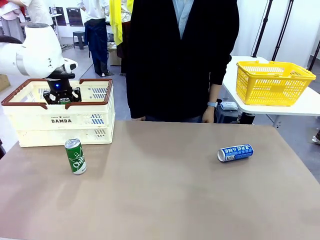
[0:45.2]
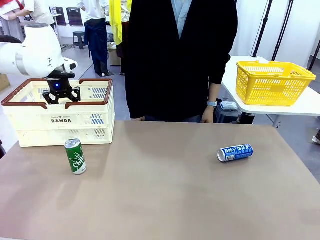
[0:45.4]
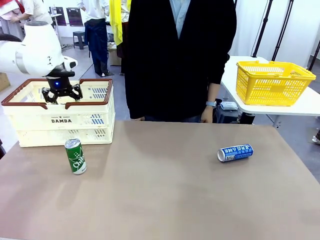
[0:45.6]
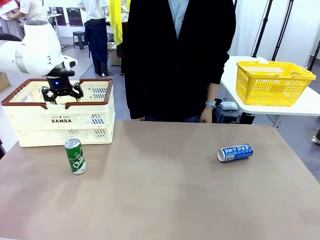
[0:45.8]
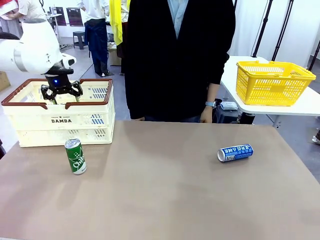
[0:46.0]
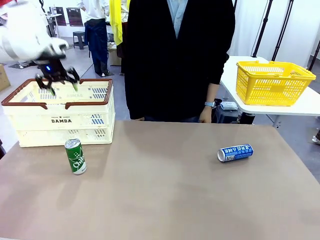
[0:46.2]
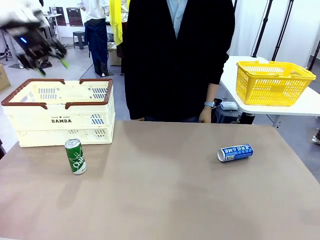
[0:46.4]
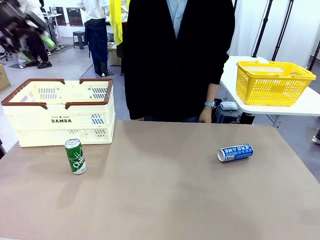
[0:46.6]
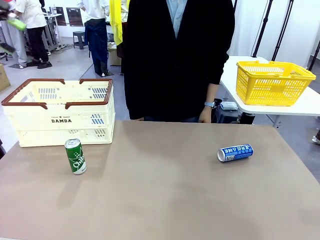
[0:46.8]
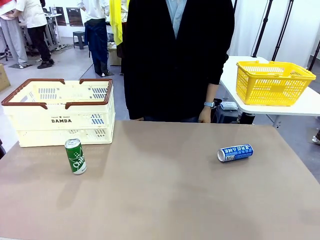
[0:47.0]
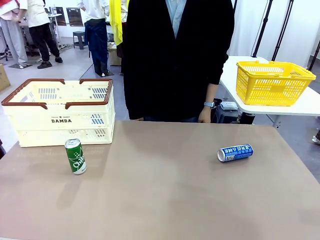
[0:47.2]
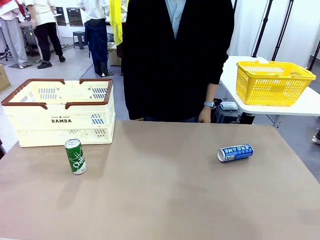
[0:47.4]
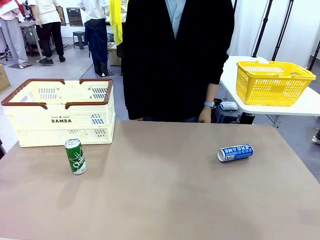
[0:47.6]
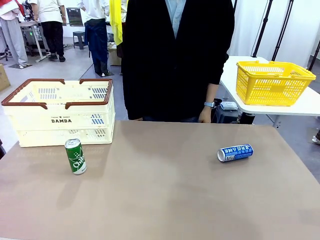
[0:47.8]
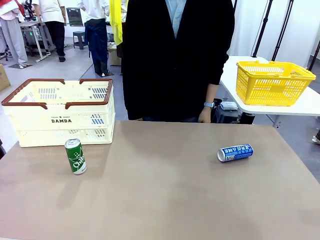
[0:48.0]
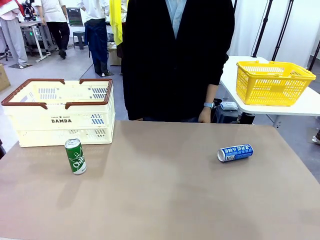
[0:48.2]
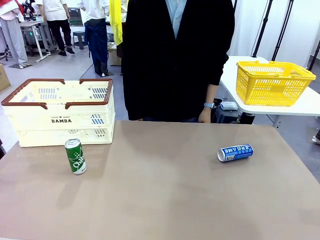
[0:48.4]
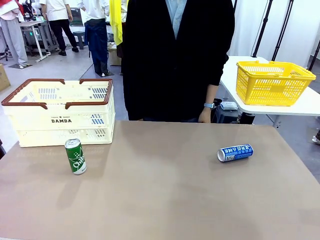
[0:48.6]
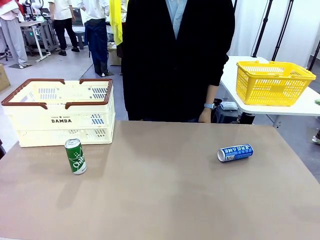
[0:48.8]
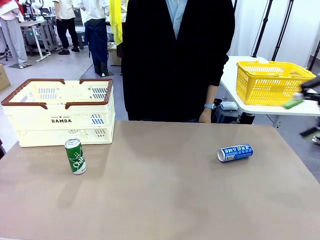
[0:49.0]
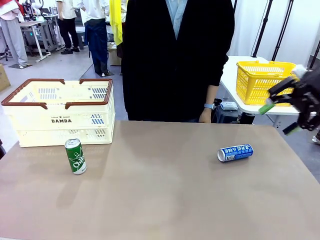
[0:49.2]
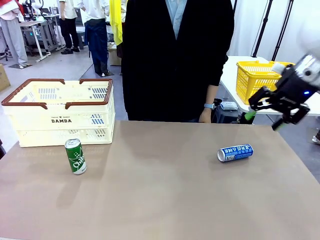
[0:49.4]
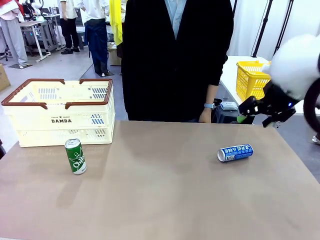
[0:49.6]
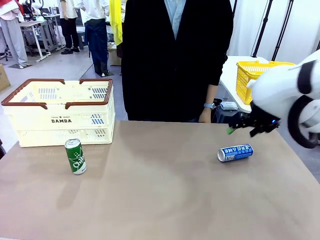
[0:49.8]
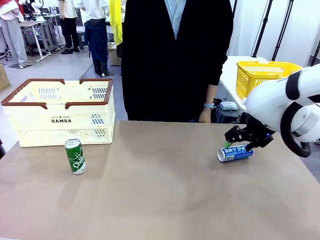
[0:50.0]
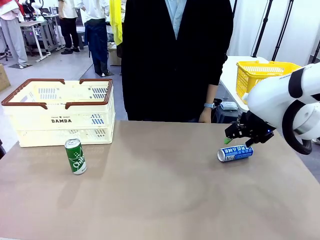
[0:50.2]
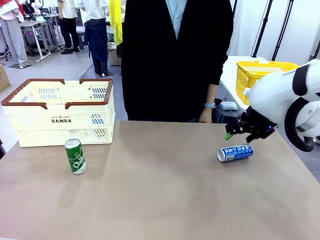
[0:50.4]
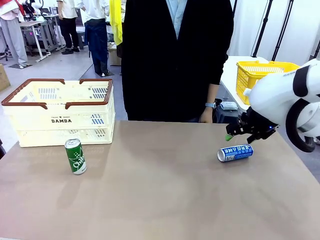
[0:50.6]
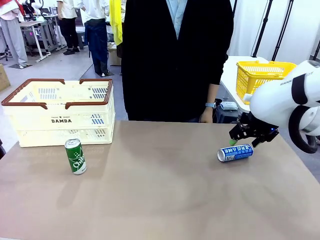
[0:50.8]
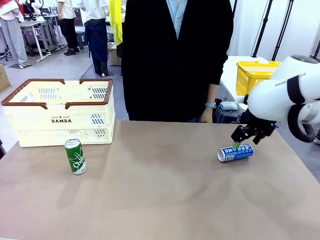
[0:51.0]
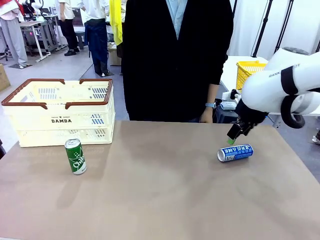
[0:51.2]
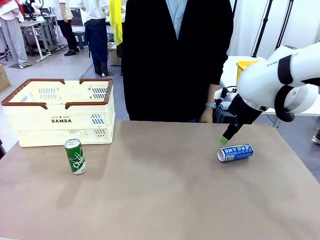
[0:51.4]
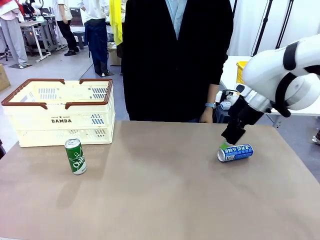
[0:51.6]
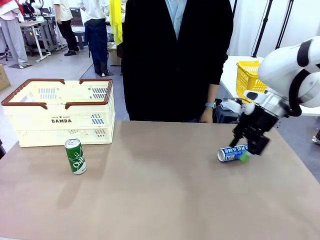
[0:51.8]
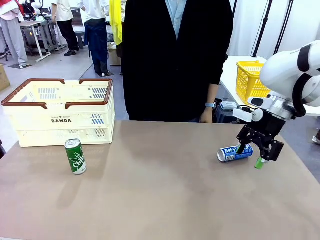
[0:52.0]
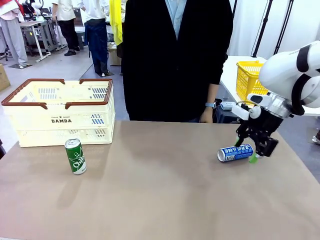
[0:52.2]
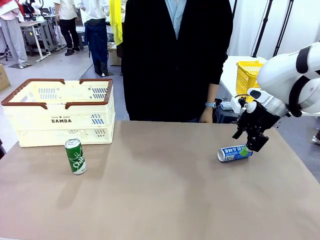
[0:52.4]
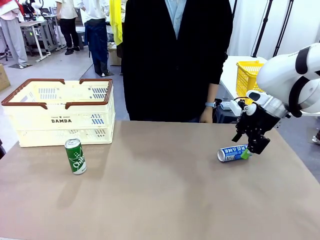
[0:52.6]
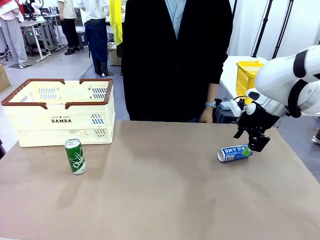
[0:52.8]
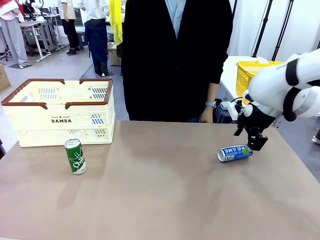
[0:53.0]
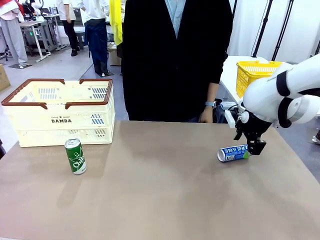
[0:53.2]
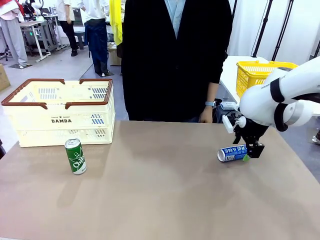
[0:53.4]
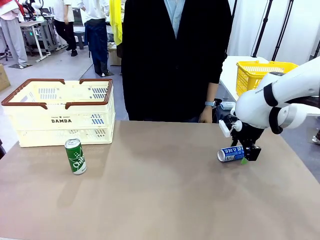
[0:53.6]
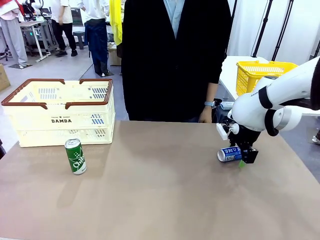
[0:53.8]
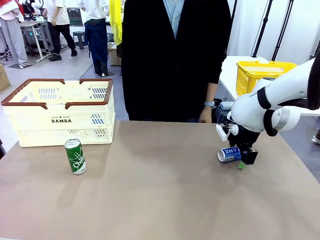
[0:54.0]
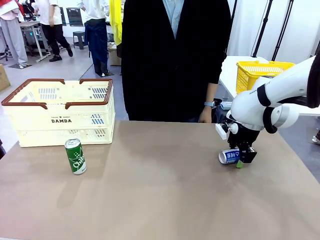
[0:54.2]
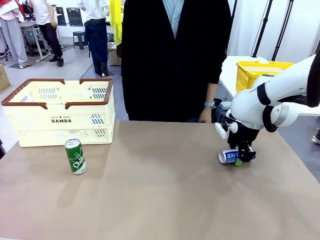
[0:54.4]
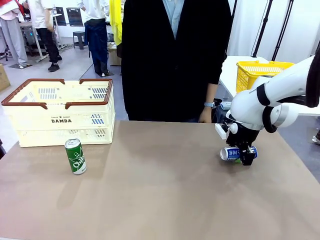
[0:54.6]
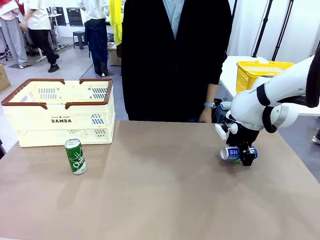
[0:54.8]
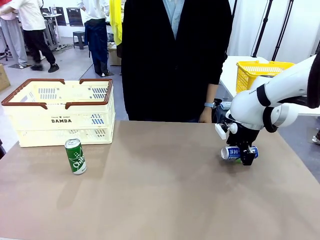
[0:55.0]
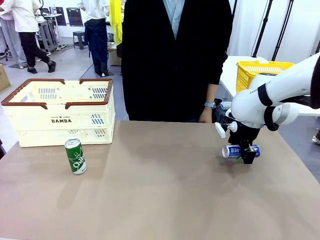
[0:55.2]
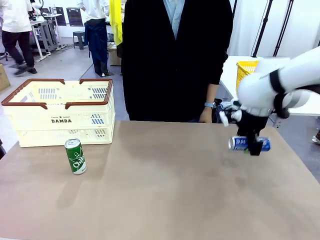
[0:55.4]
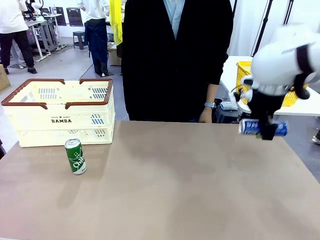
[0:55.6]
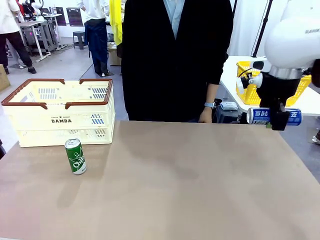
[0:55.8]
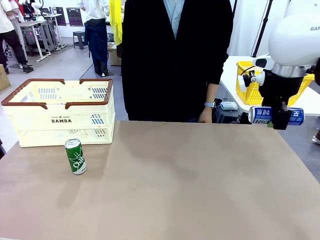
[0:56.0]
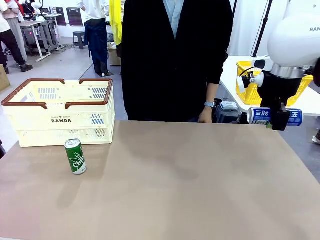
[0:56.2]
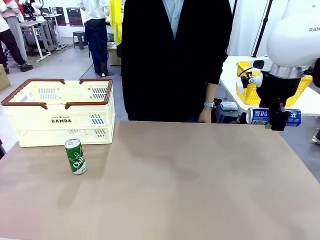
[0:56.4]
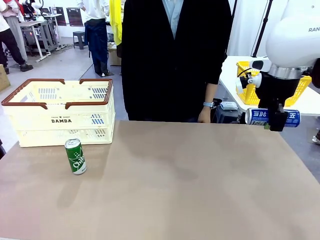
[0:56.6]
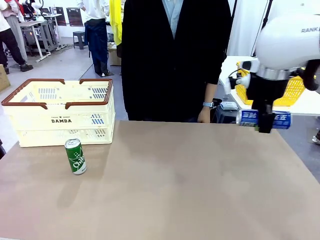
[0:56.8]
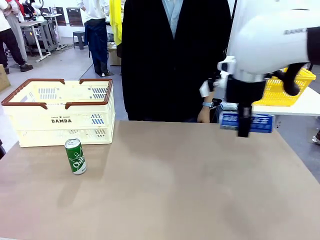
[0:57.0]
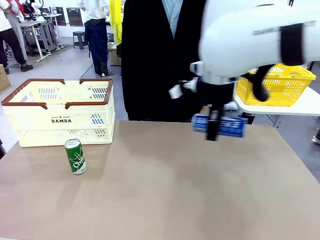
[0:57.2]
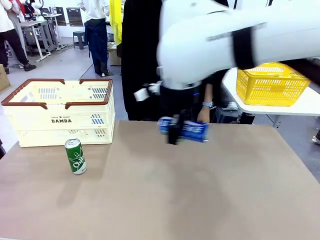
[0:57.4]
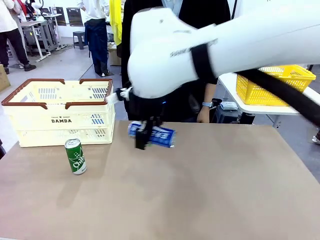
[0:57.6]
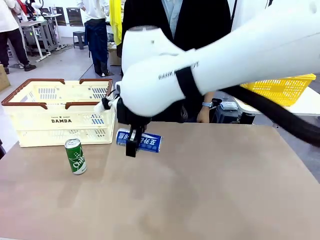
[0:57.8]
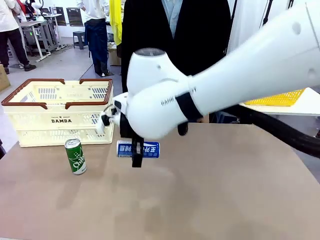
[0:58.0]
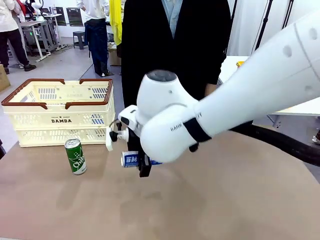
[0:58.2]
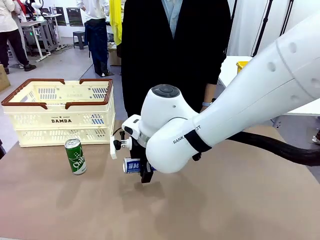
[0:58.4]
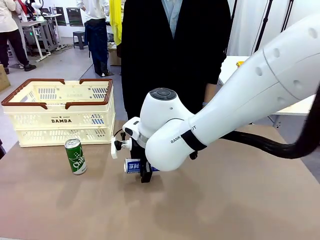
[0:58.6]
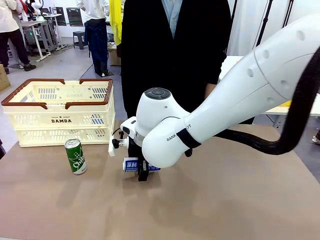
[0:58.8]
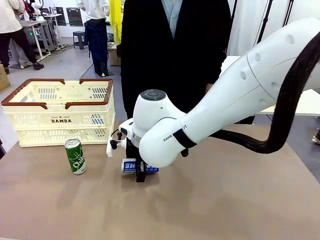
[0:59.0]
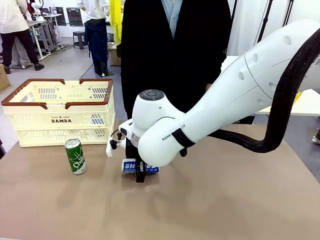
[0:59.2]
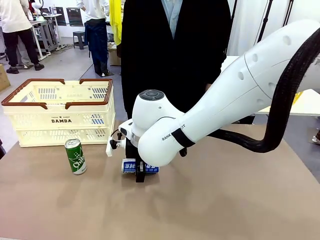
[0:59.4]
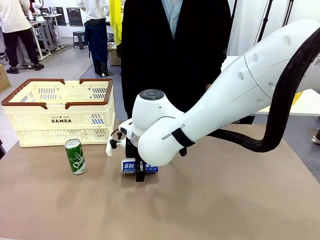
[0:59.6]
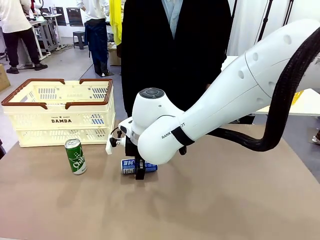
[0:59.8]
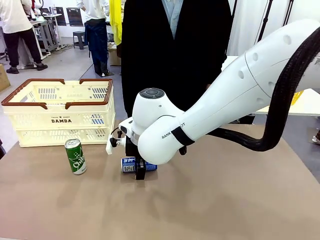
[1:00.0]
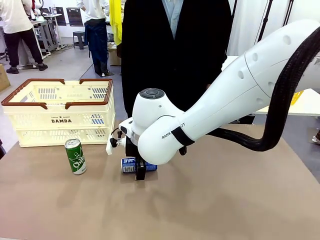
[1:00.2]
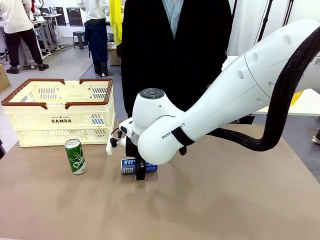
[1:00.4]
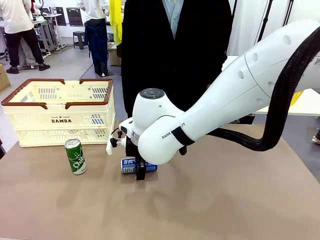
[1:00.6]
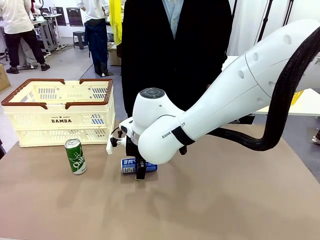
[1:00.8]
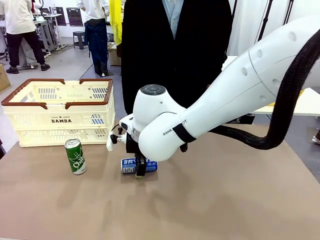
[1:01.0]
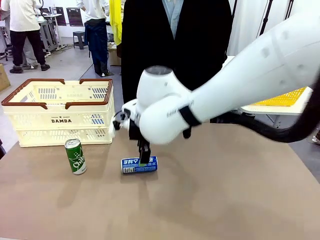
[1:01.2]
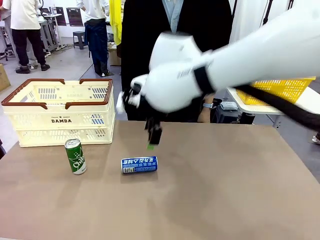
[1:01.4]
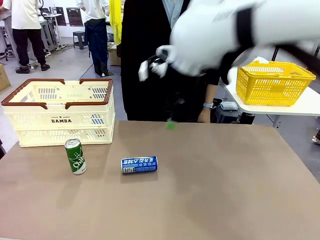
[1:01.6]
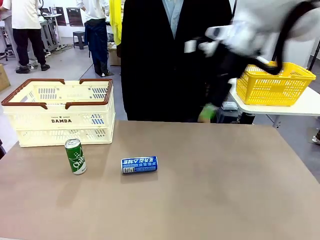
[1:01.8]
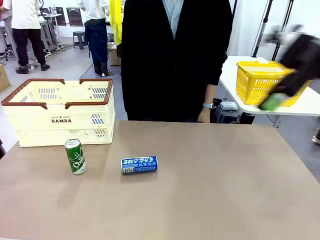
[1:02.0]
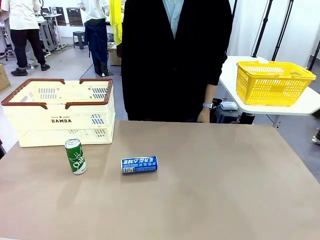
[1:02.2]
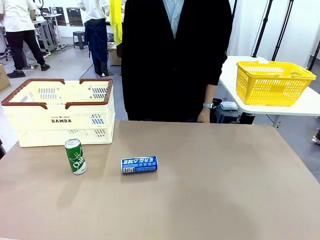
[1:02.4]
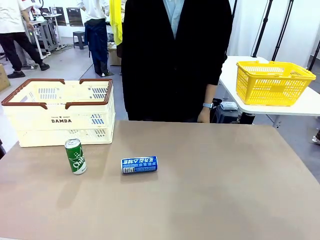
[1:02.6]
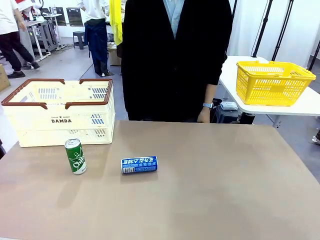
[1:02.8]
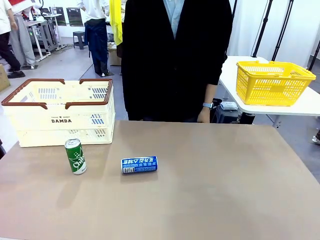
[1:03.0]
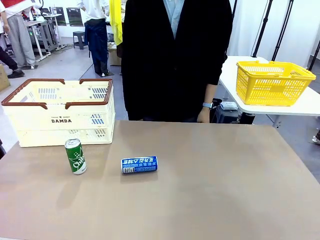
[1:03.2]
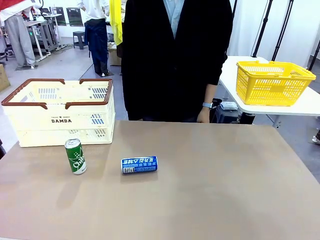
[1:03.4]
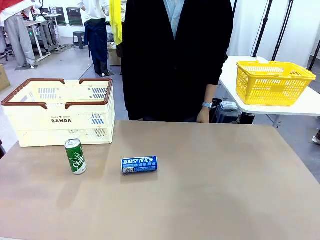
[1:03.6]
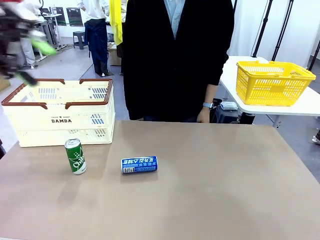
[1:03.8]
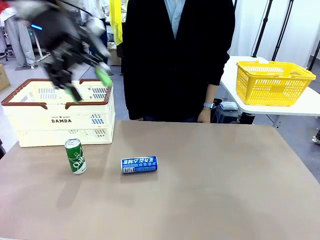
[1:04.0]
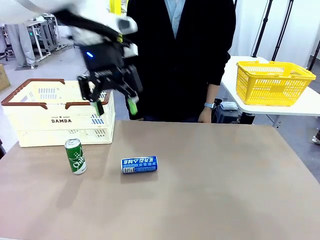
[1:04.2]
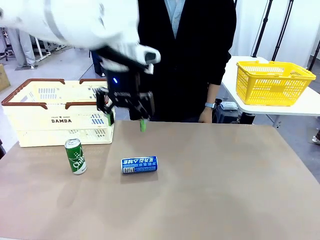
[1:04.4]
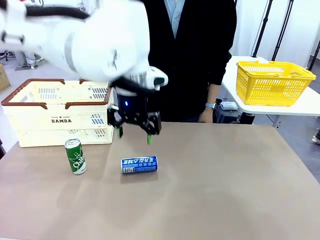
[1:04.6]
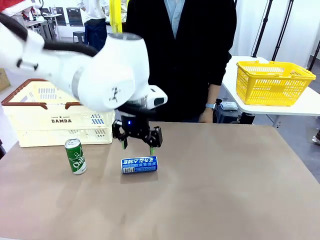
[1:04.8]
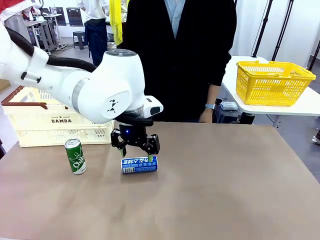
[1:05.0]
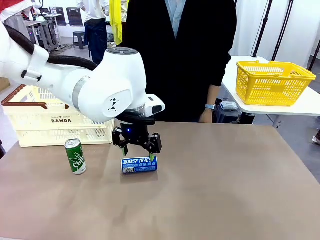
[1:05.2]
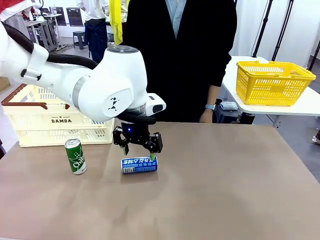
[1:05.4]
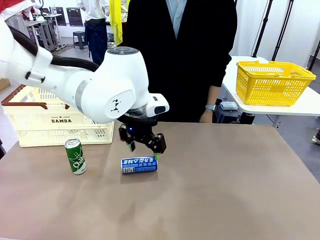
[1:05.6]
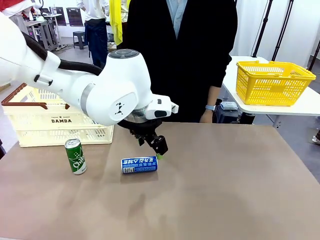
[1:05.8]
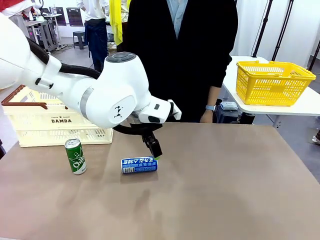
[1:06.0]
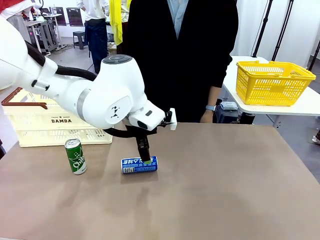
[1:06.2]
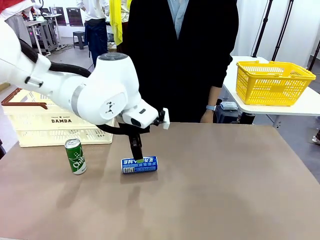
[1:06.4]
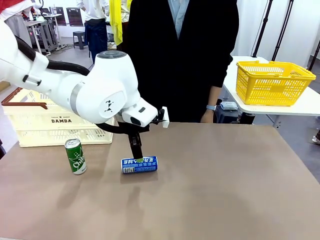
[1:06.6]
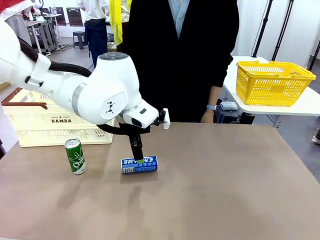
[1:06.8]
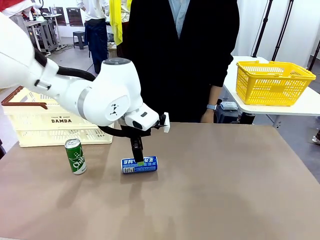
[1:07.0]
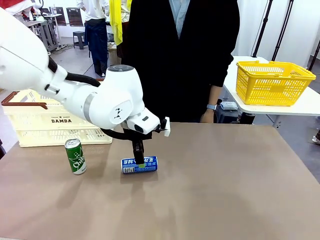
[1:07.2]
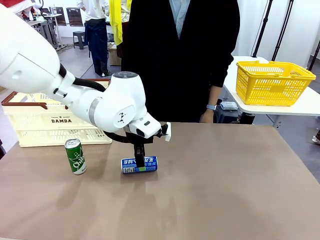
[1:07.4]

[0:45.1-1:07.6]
Task: Place the drinks into the Shopping basket.
Robot: Pick up one drink and place it into the Shopping basket.
